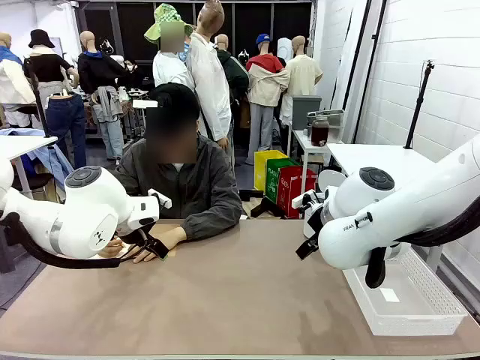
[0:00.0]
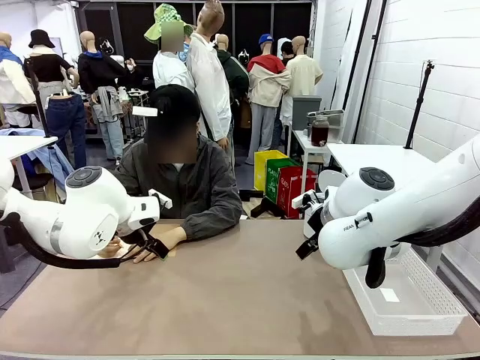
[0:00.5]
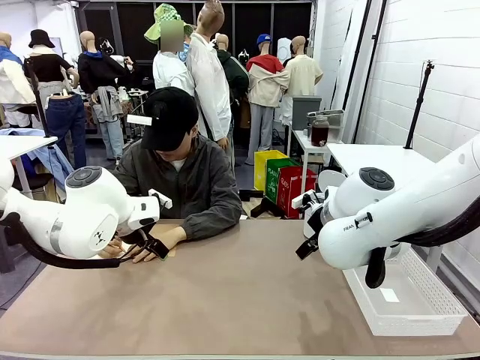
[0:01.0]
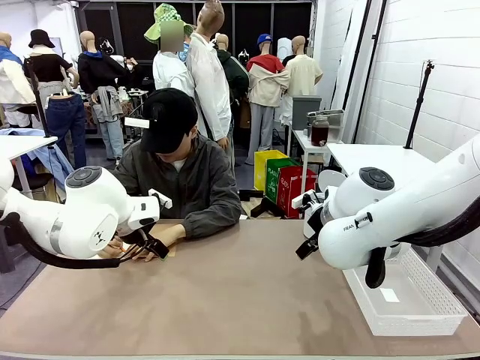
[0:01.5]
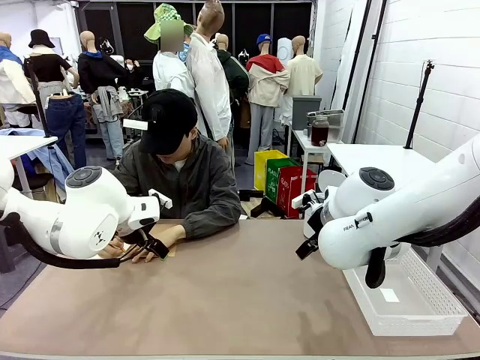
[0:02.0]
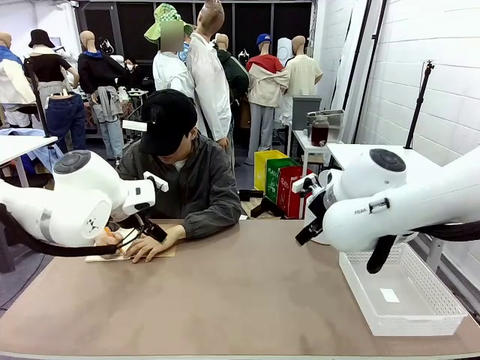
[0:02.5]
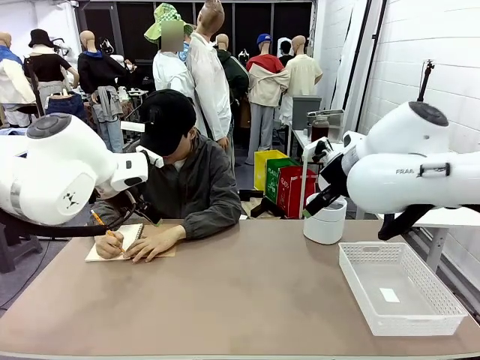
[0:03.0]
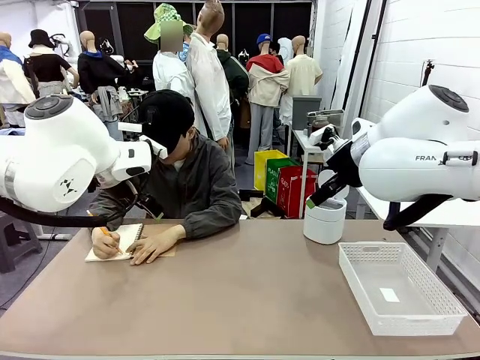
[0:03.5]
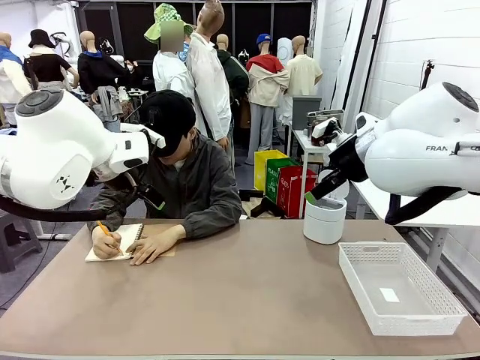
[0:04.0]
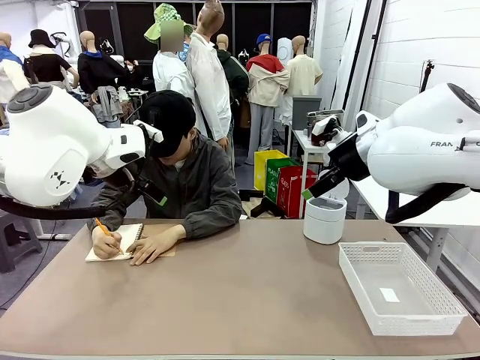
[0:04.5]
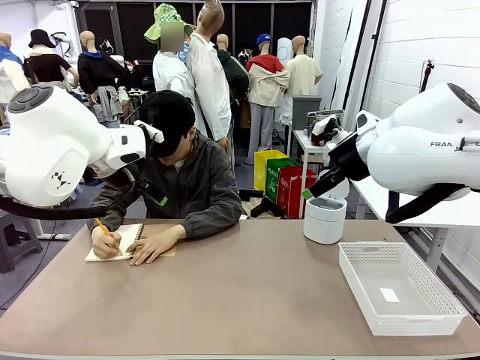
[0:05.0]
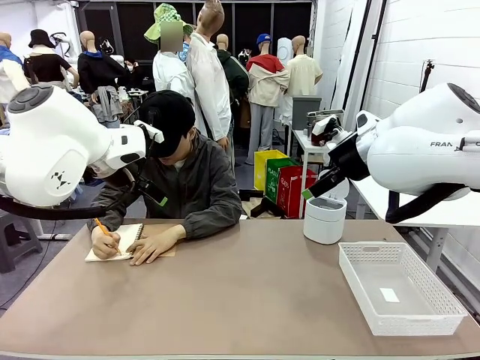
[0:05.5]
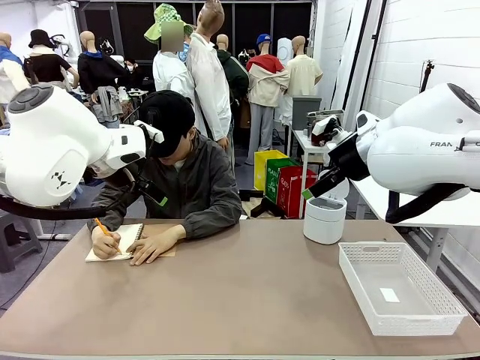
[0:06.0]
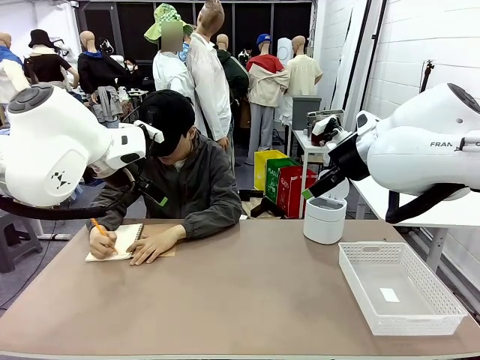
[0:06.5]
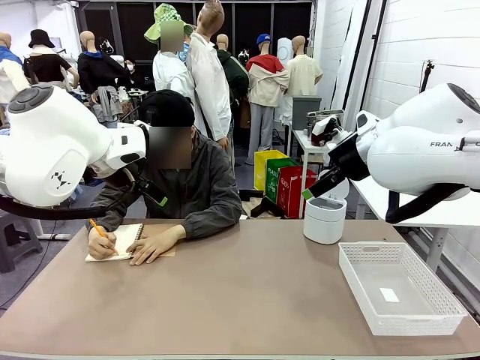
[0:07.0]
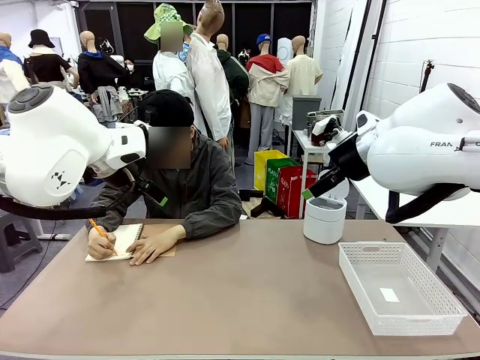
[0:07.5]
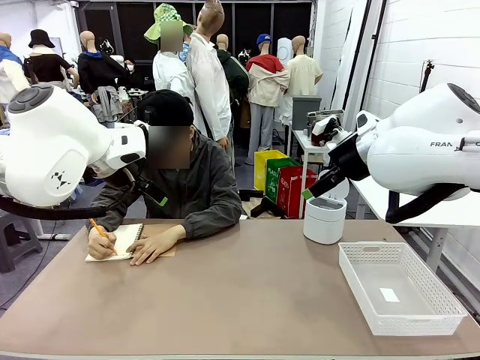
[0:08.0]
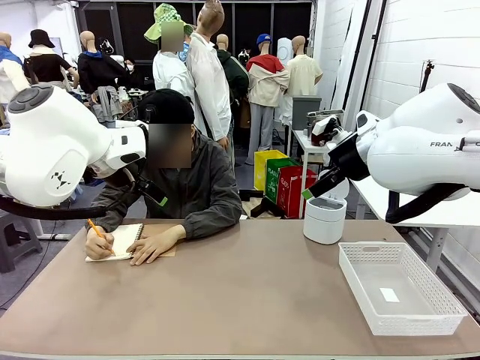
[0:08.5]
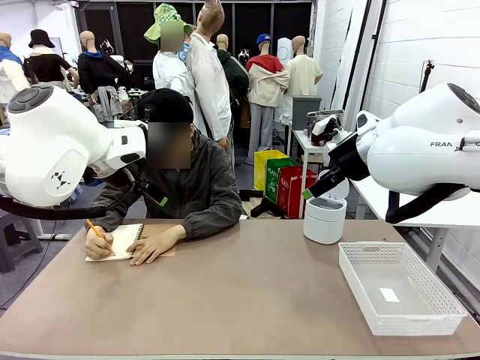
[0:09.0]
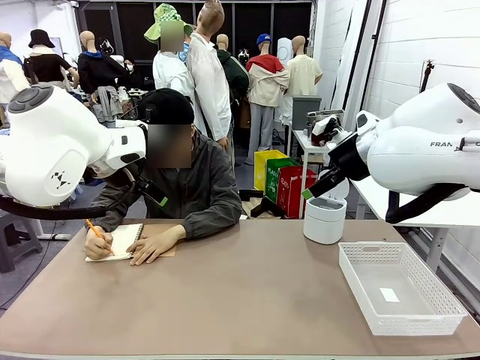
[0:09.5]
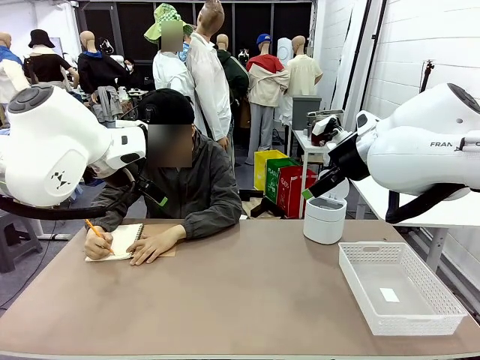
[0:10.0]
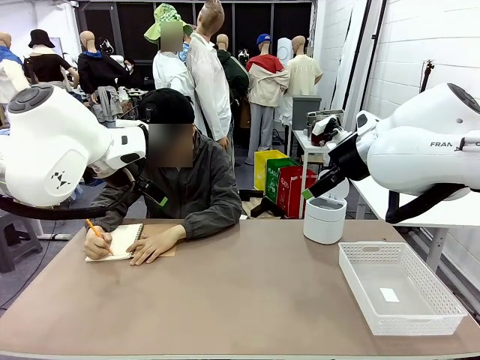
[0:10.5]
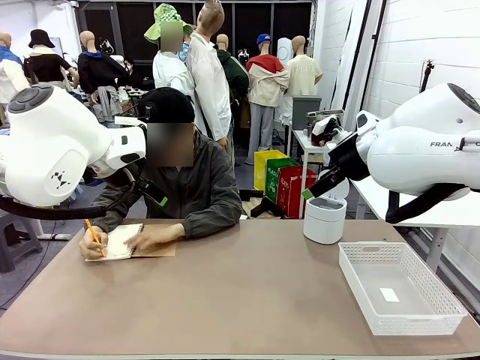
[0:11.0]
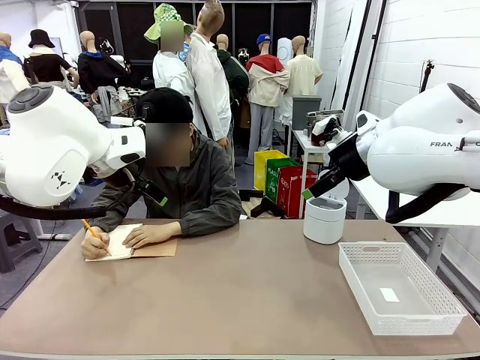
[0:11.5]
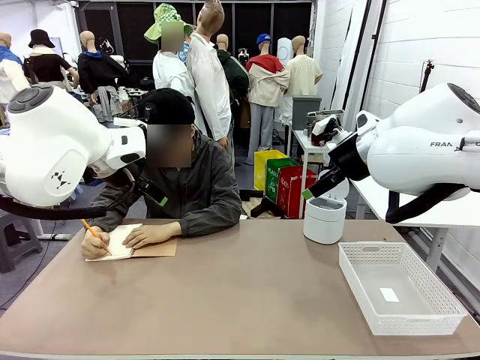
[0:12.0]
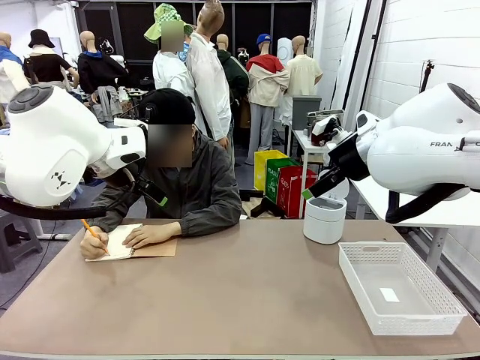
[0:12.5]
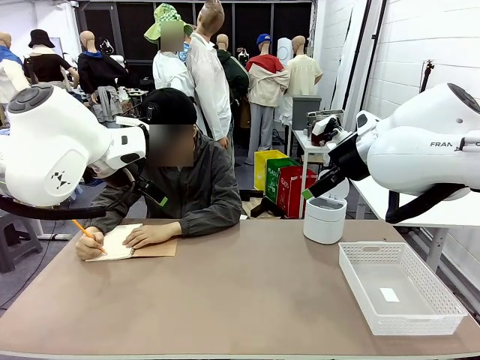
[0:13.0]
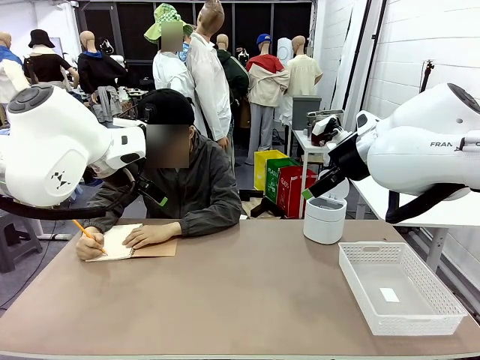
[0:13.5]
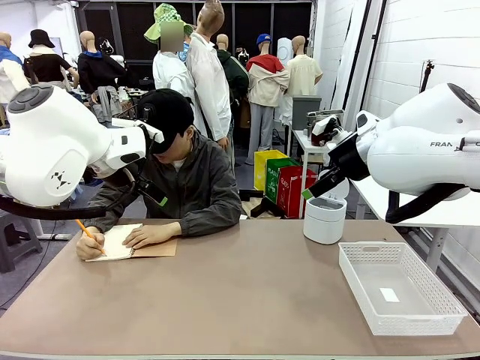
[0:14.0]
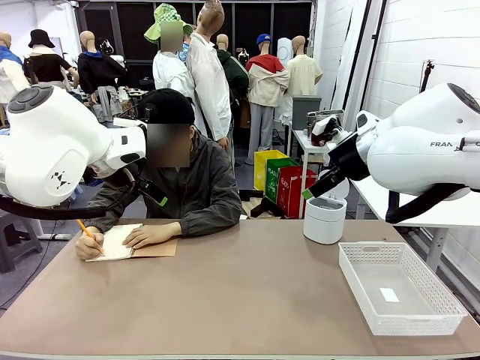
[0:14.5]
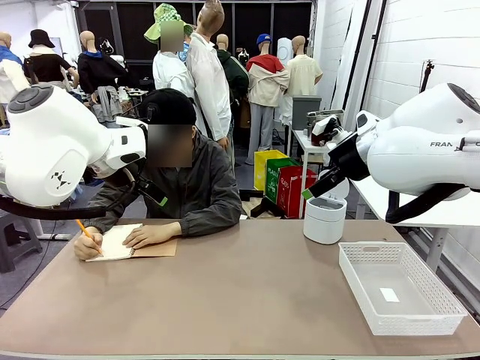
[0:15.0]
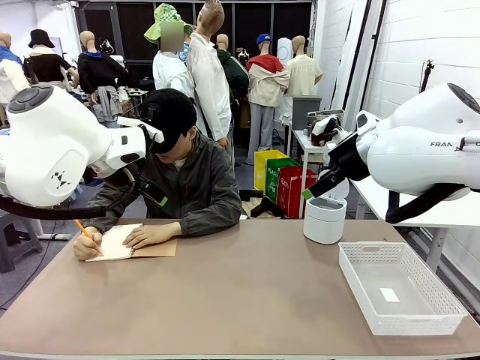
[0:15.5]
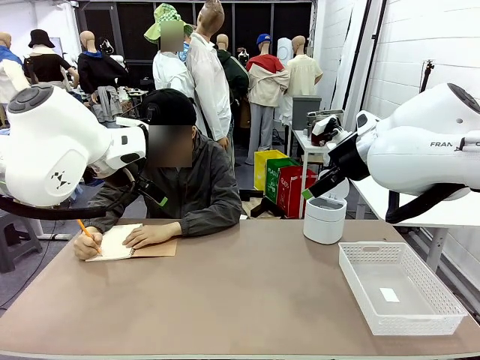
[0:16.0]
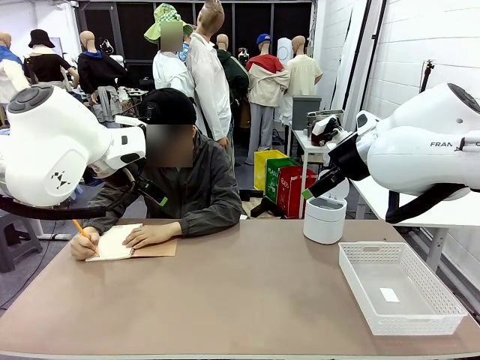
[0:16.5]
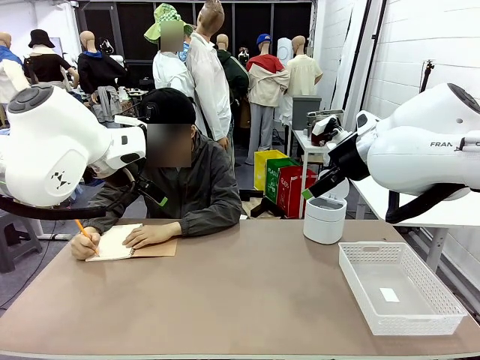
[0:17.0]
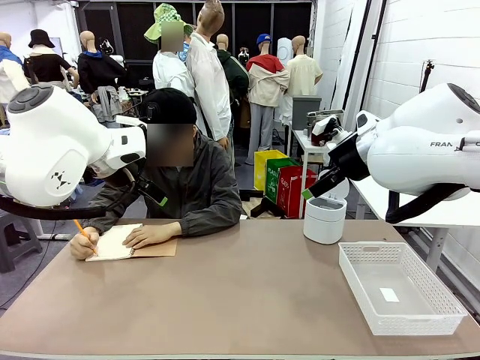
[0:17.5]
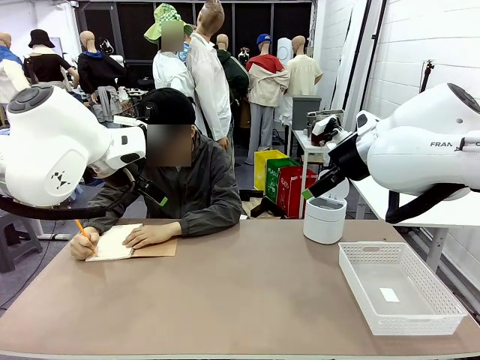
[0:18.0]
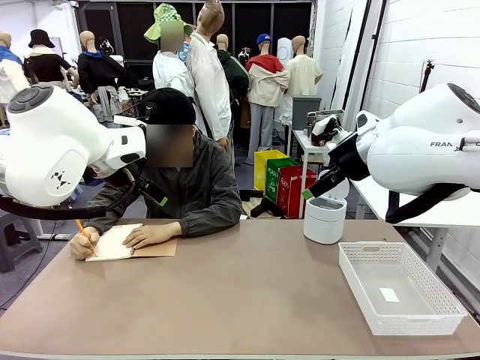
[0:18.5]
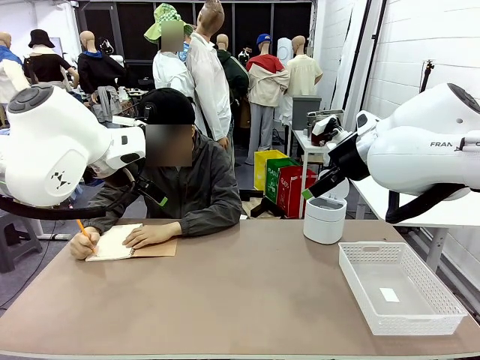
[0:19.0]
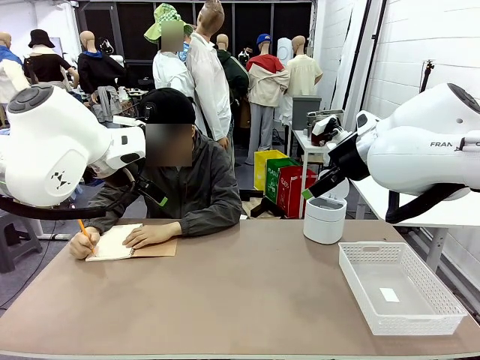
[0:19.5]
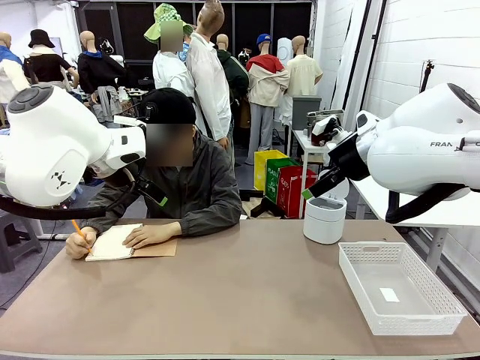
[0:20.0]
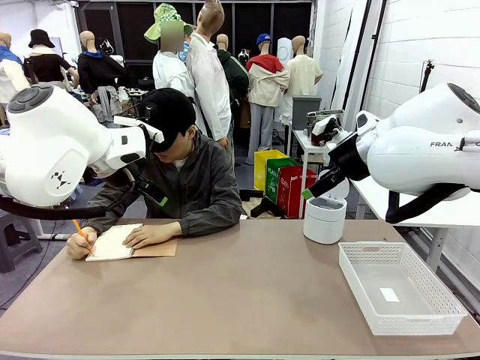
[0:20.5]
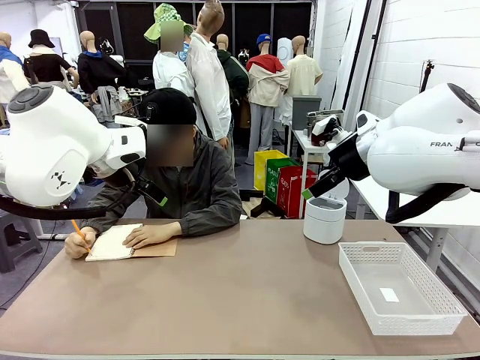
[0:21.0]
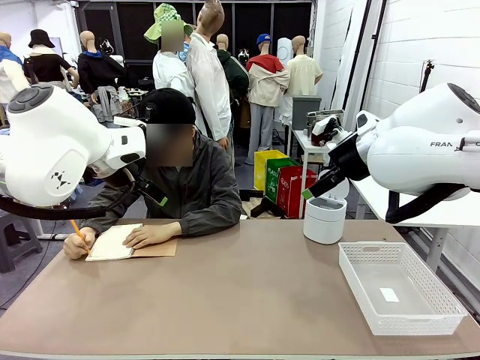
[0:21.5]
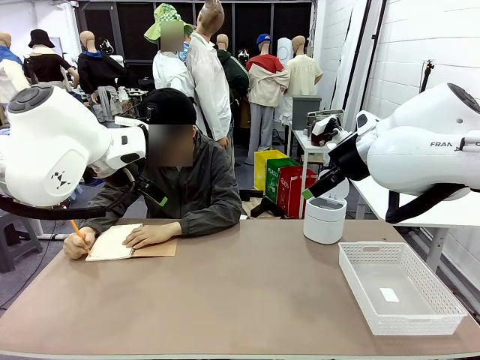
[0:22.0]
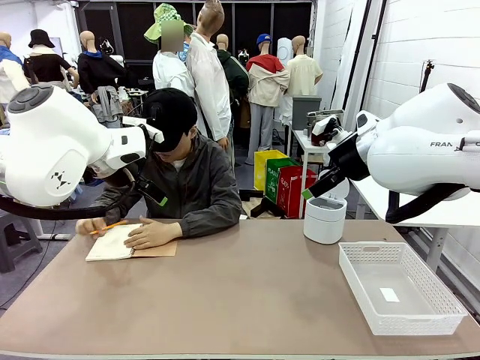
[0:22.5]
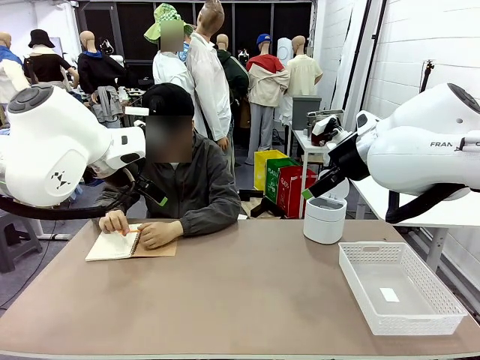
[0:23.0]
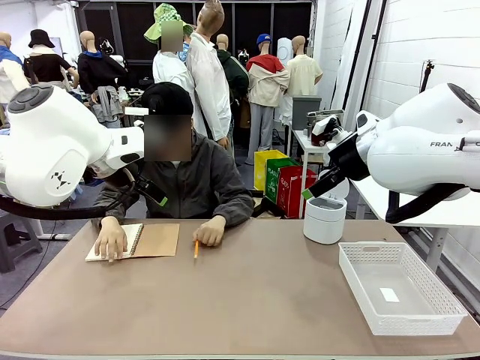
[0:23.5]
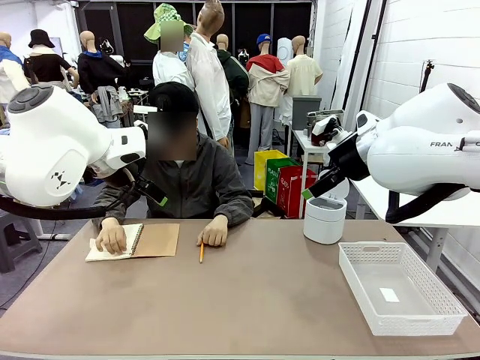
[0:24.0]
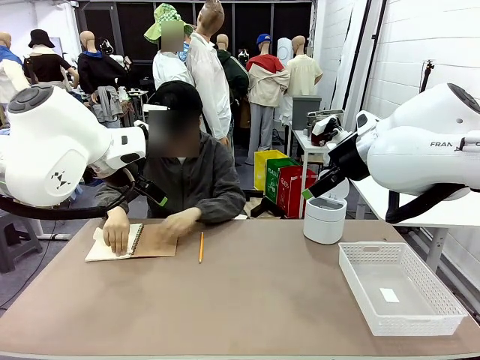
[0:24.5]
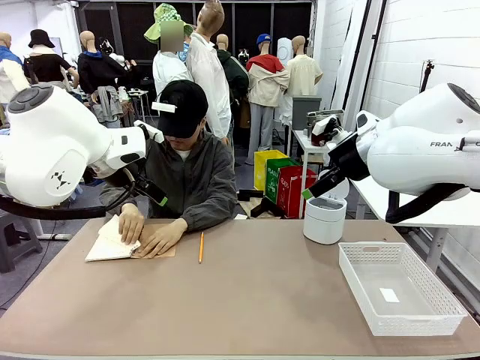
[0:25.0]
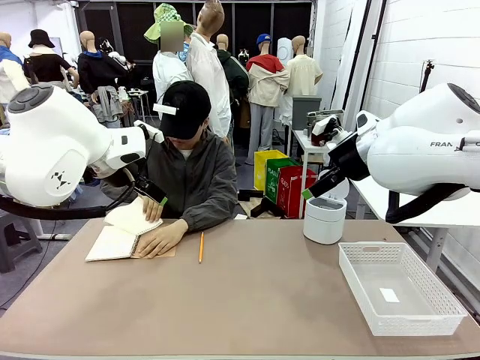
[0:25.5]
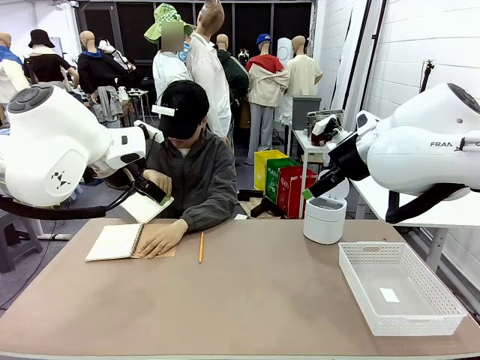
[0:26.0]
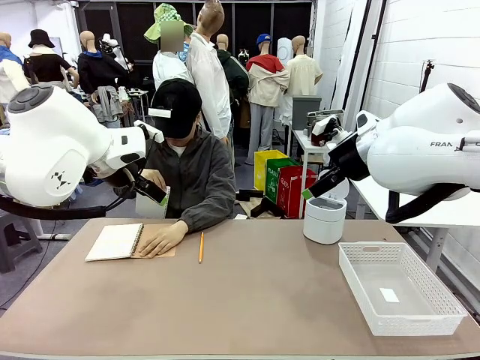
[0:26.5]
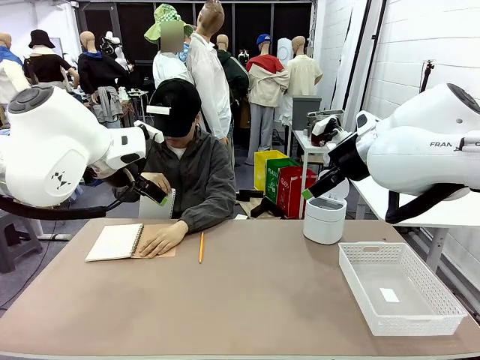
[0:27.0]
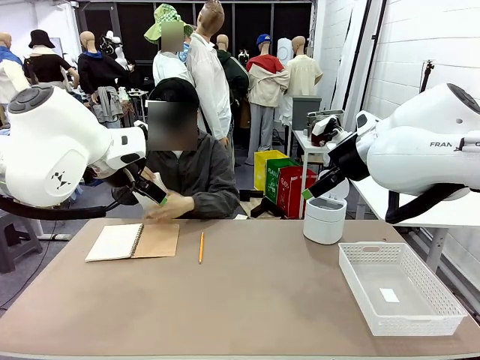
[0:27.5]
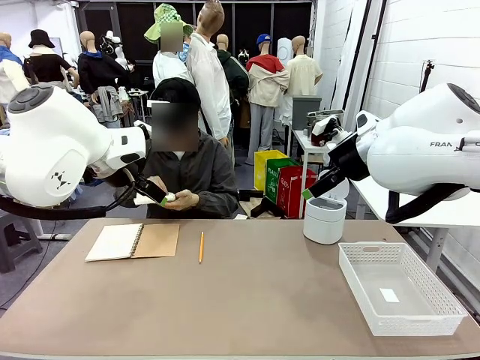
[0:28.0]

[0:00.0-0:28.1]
Task: Sort the paper based on its condition.
Robot: If a person hands you a paper, place it in the Organizing basket , and if it's crumpled, put it in the Trash can.
Person: Tear out a page from the spiral notebook.
